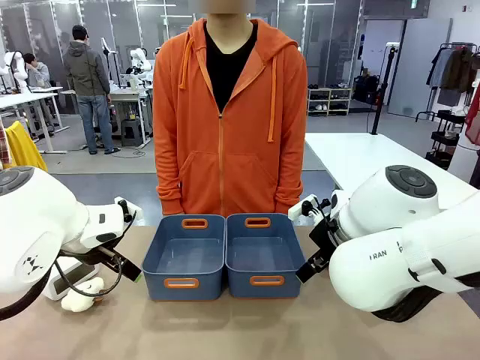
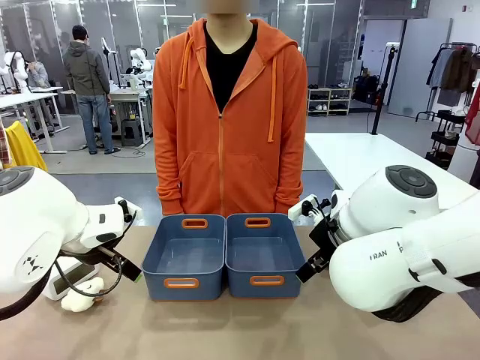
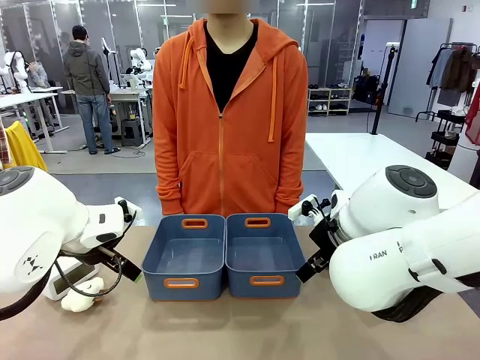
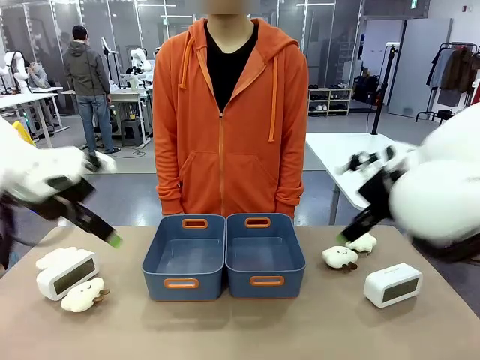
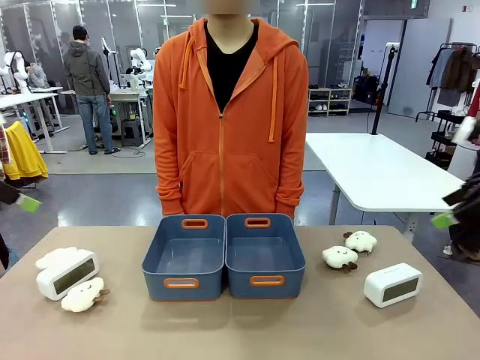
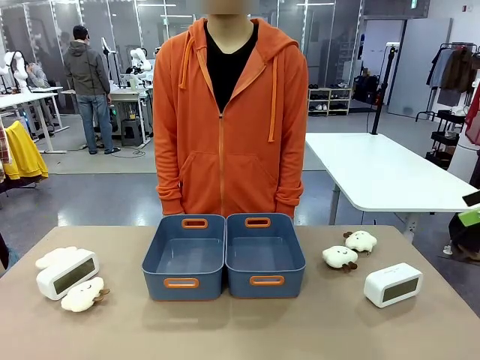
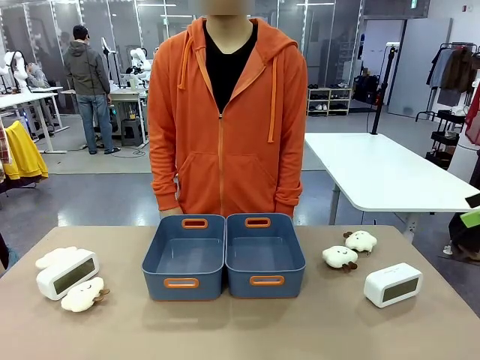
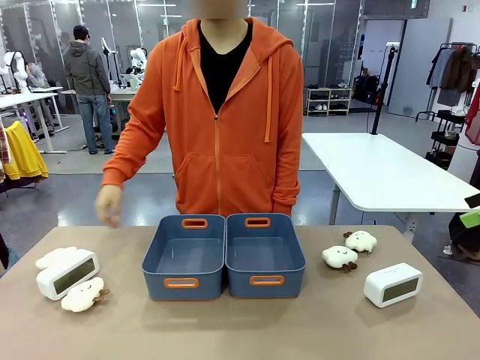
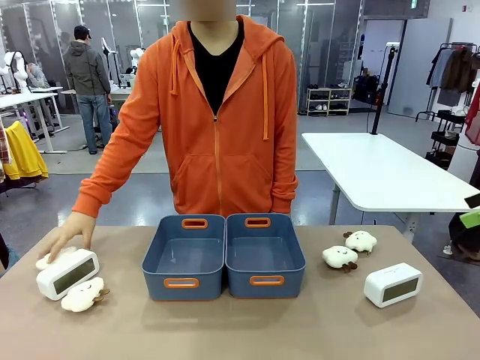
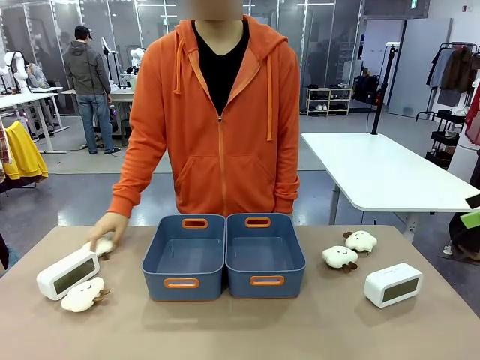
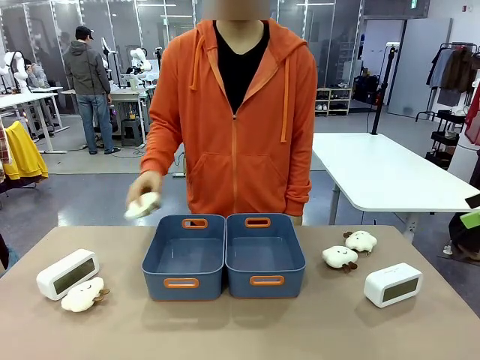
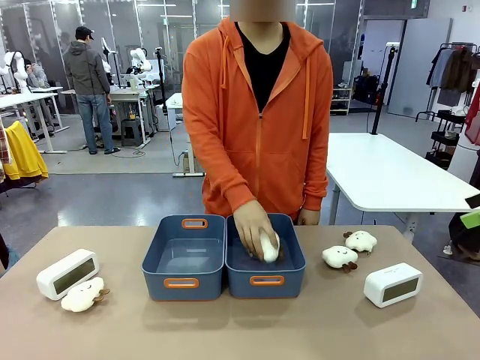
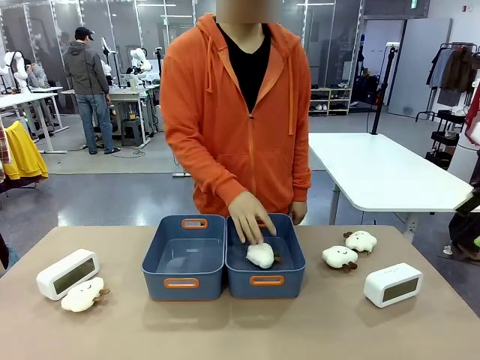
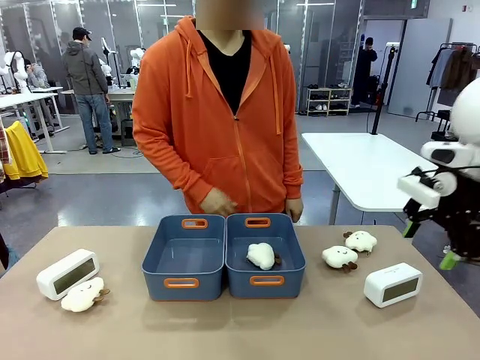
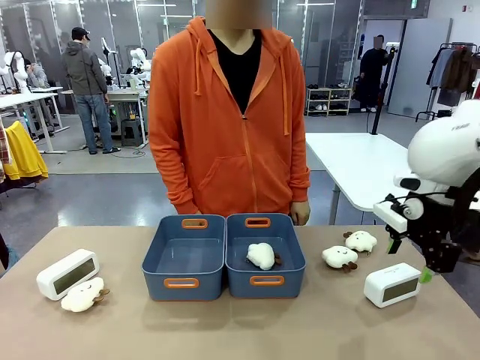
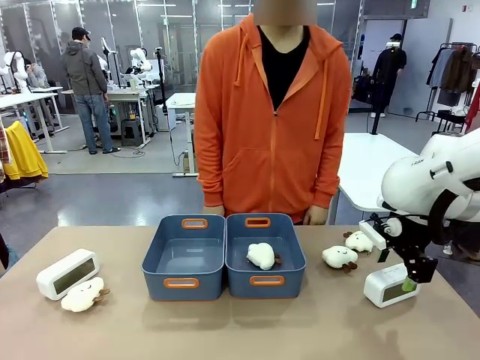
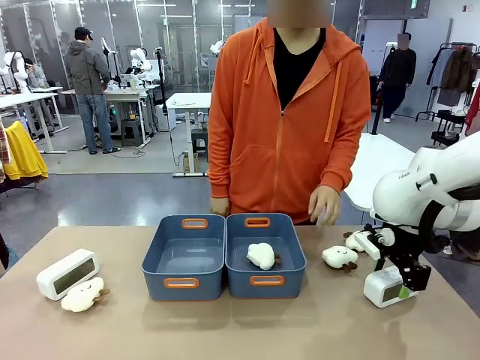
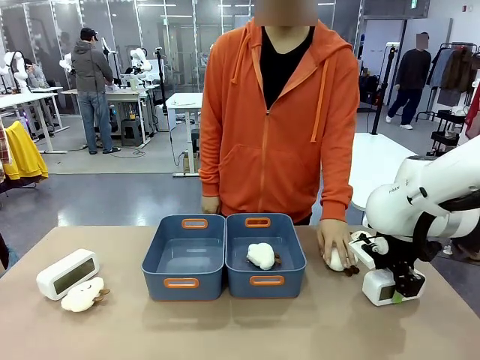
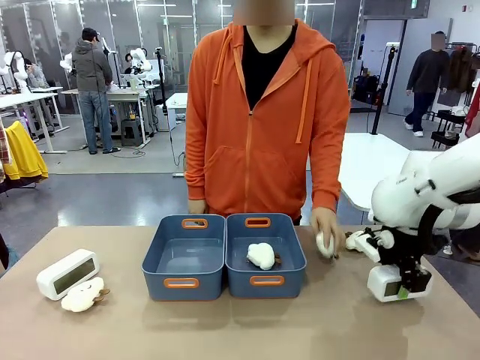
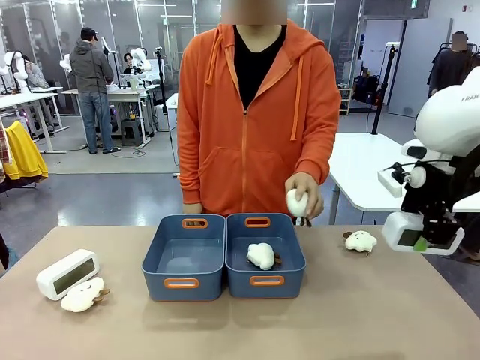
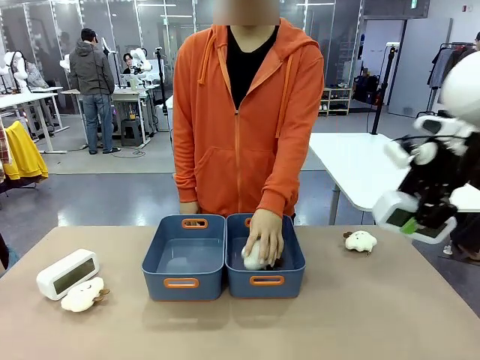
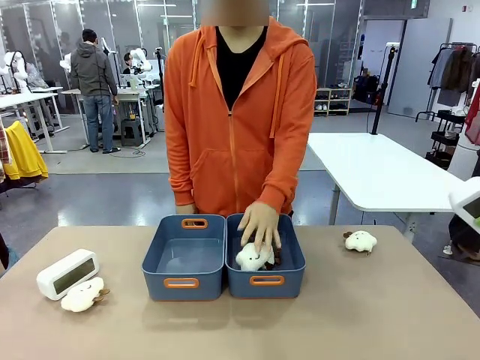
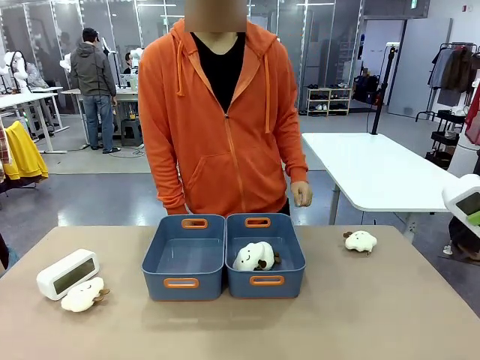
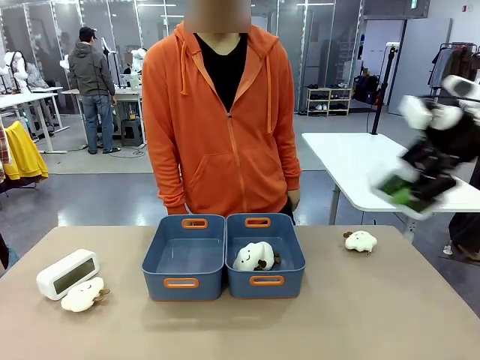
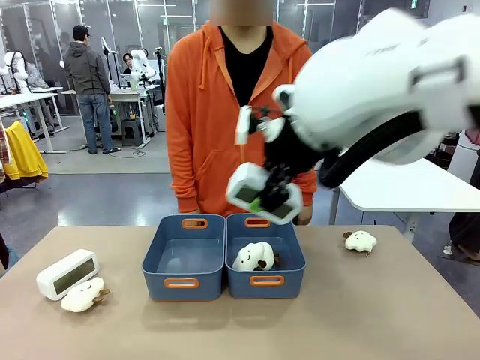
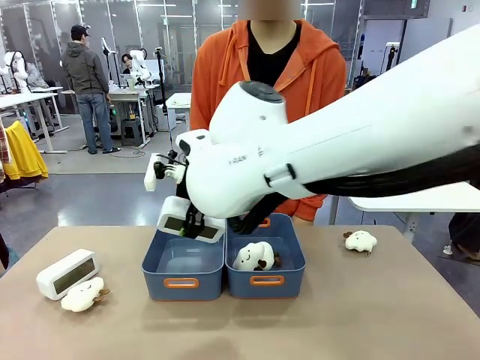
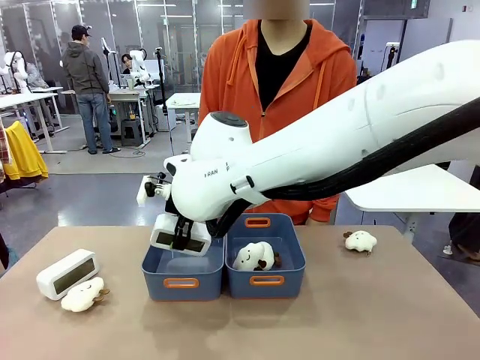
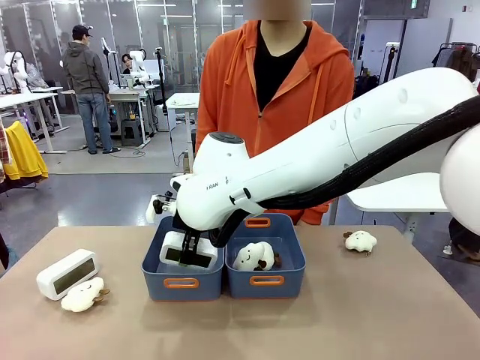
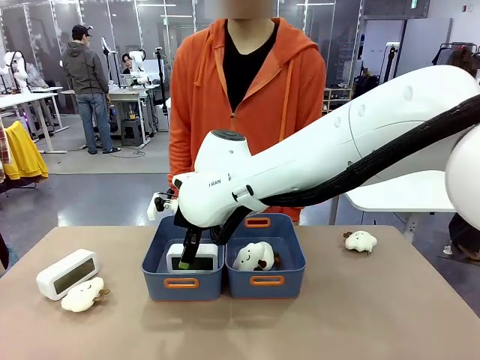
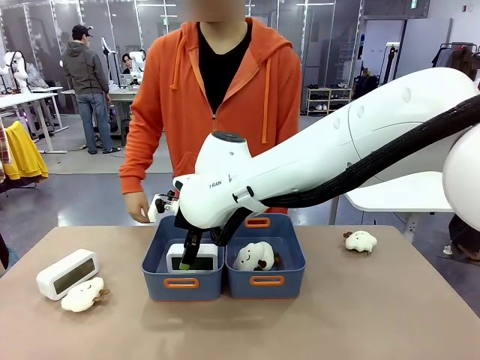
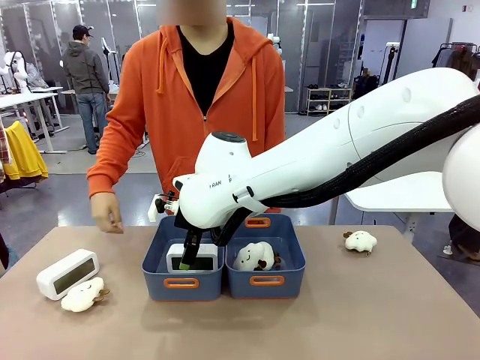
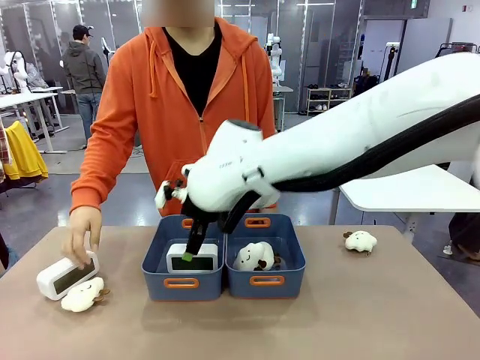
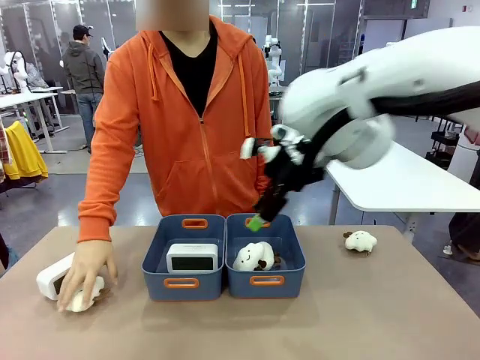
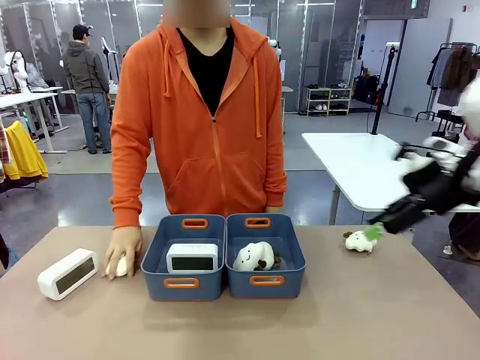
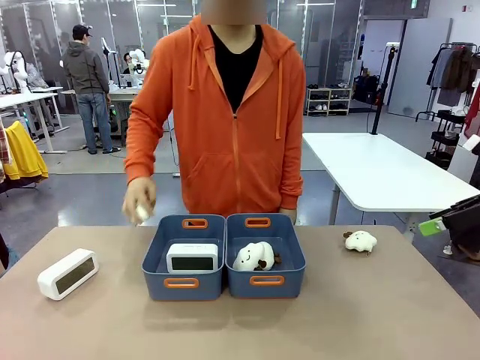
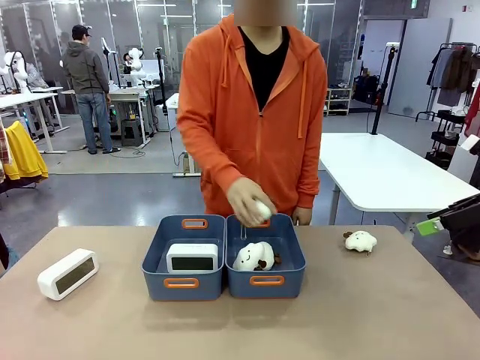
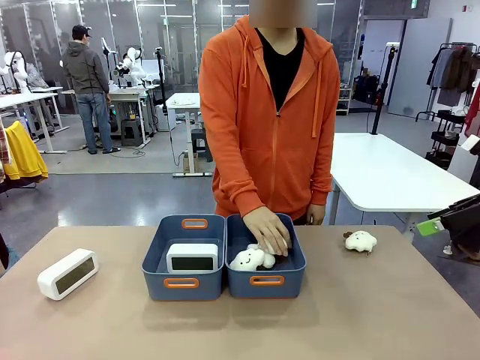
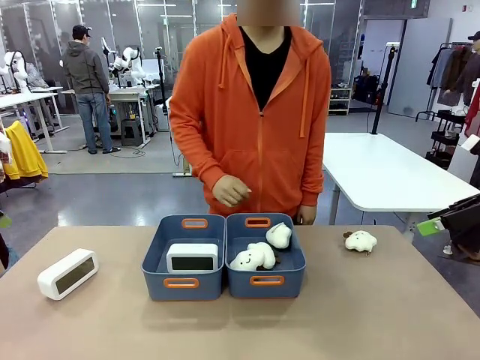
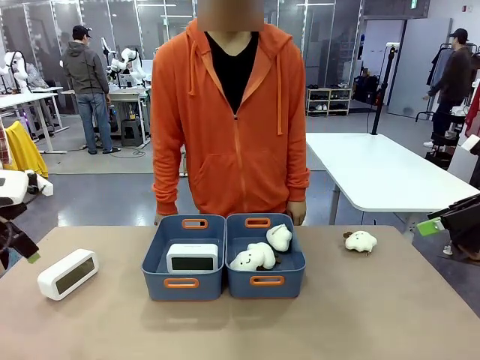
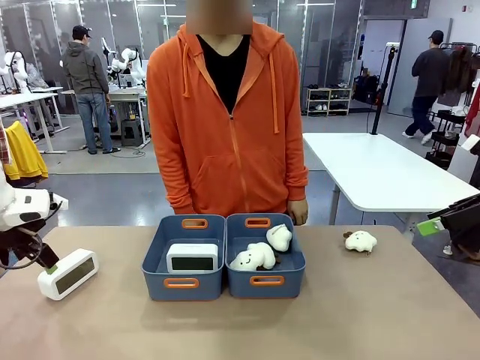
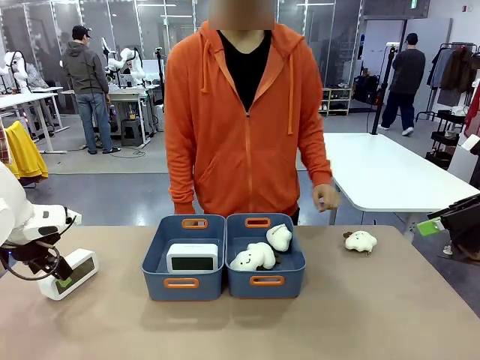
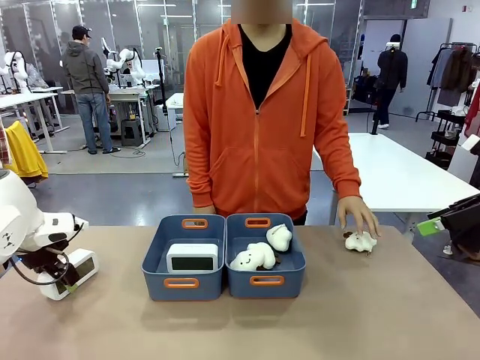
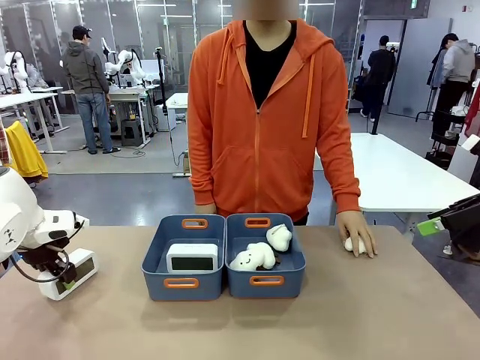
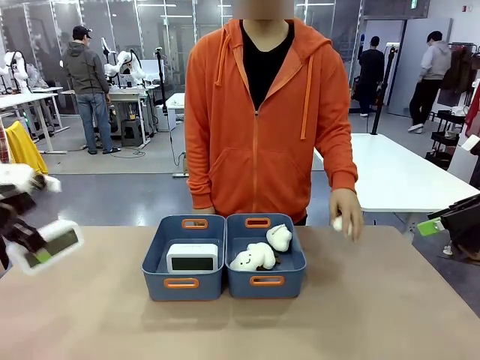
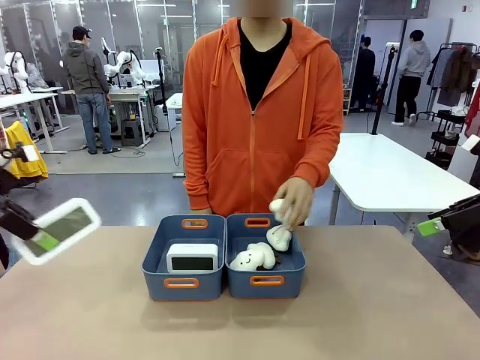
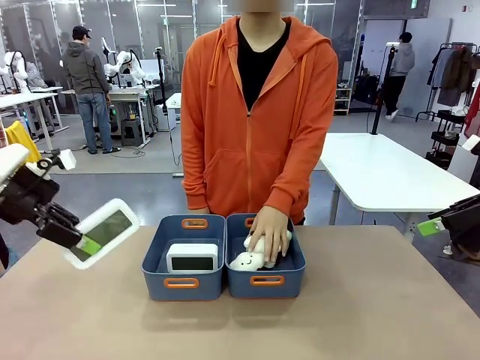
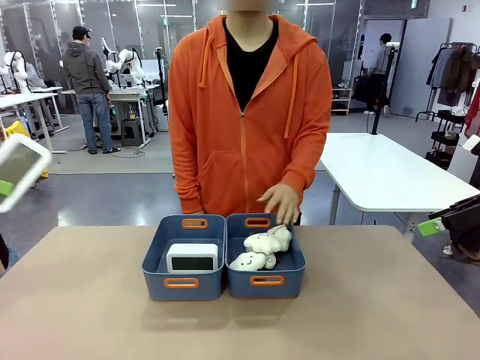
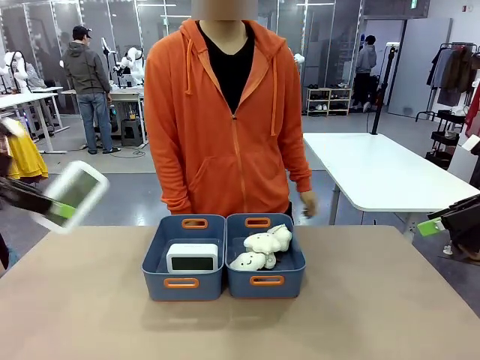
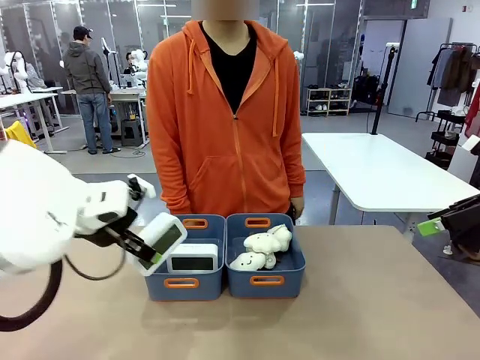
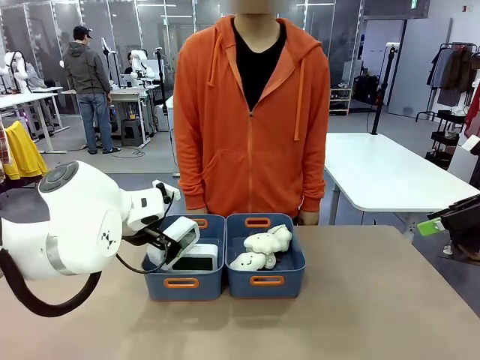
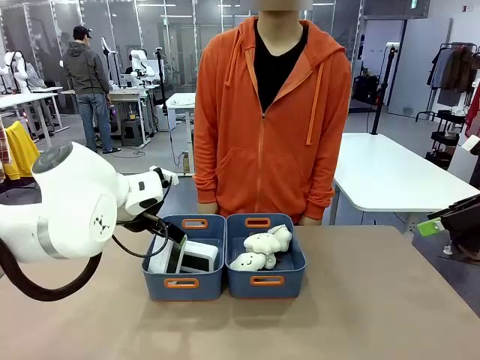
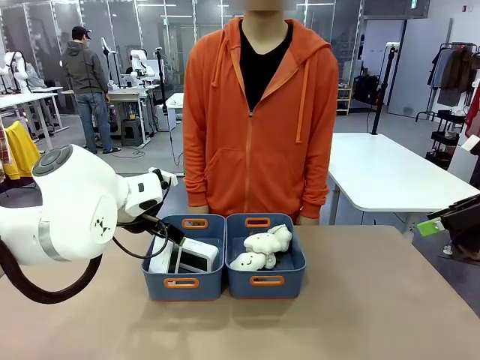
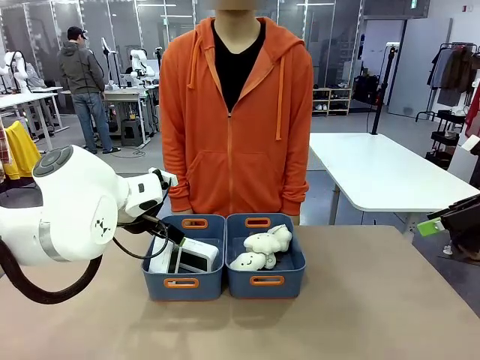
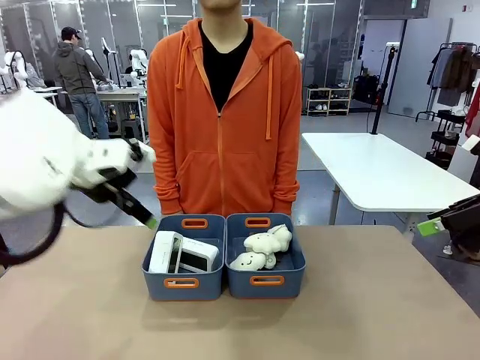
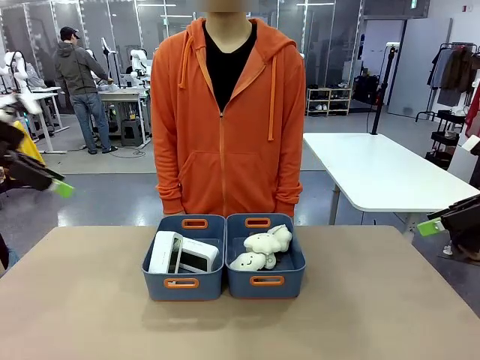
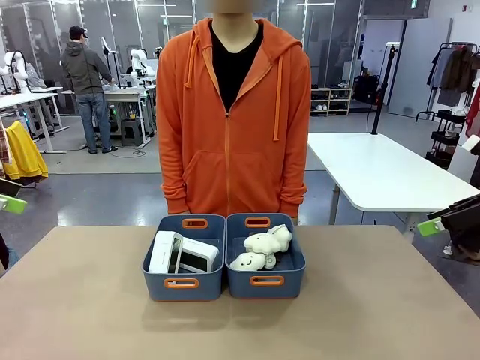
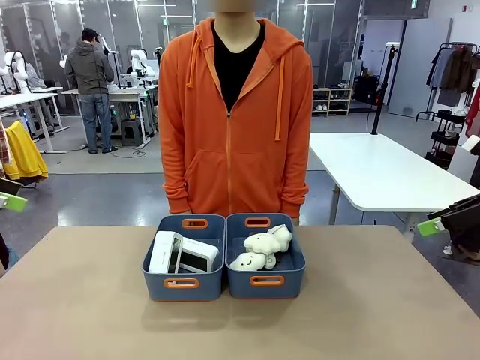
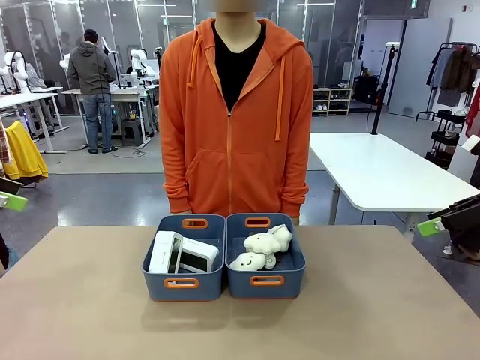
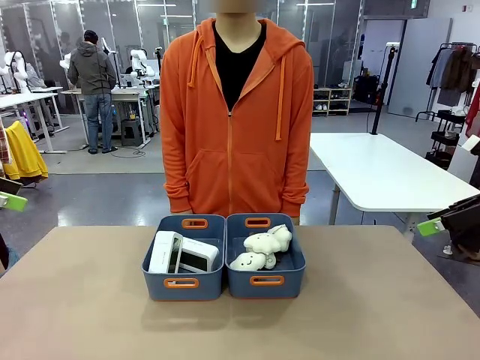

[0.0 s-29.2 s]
Task: Sort the digital clocks into the basket.
Robot: Pick up the Digital clock from the table and place it into the empty Plastic storage basket.
Person: Pick up a plush toy from the table and place it in a plastic storage basket. Pick up a plush toy from the table and place it in the plastic storage basket containing the plush toy.
